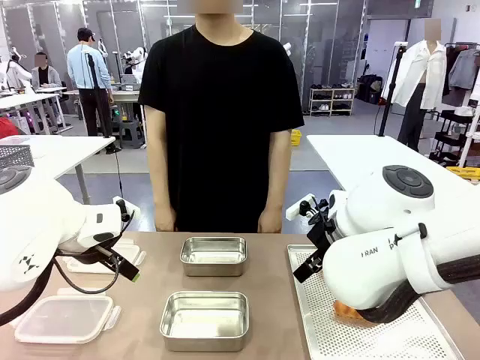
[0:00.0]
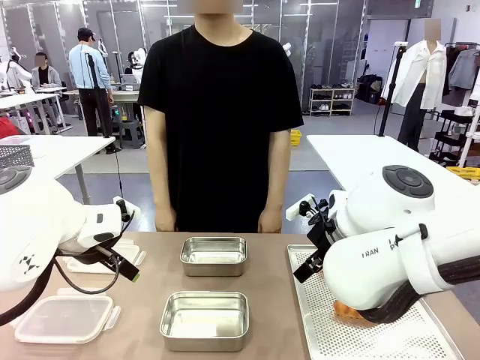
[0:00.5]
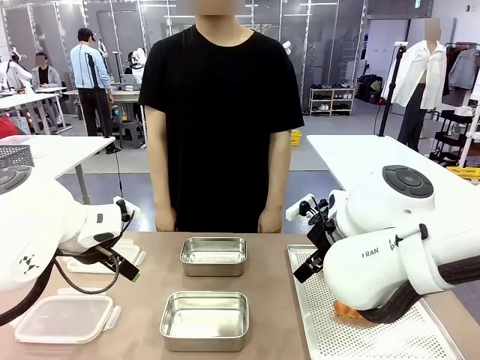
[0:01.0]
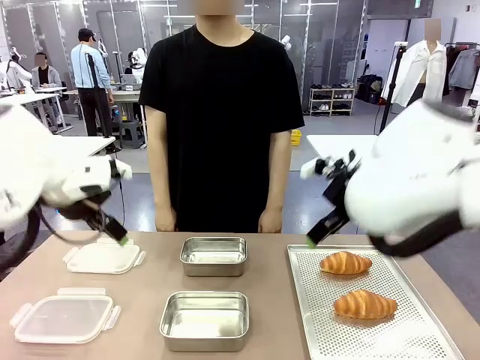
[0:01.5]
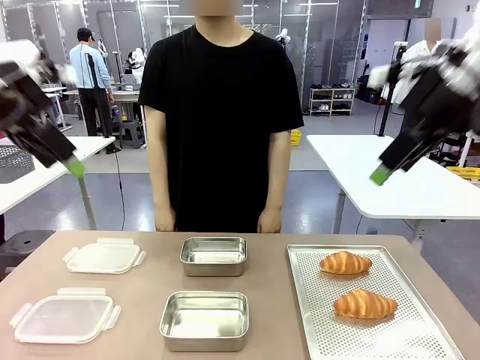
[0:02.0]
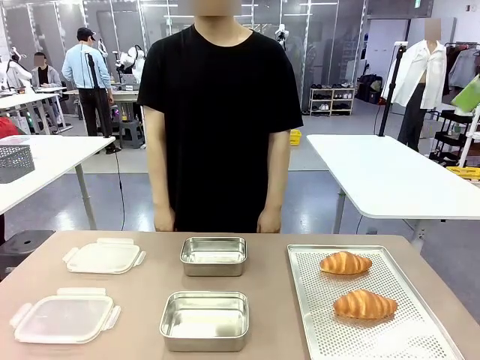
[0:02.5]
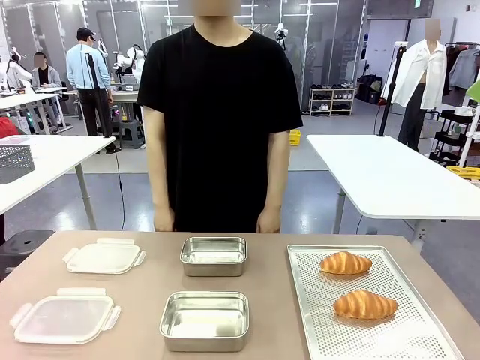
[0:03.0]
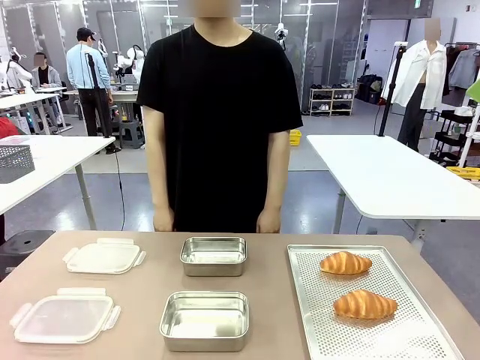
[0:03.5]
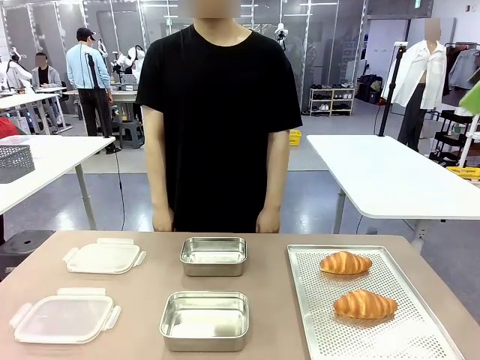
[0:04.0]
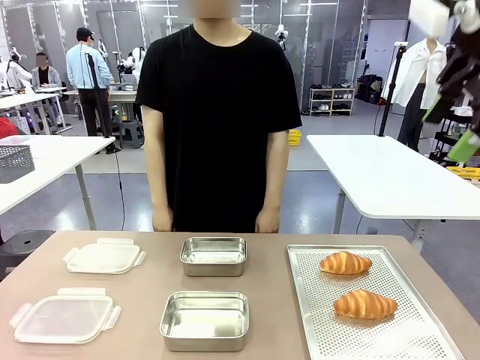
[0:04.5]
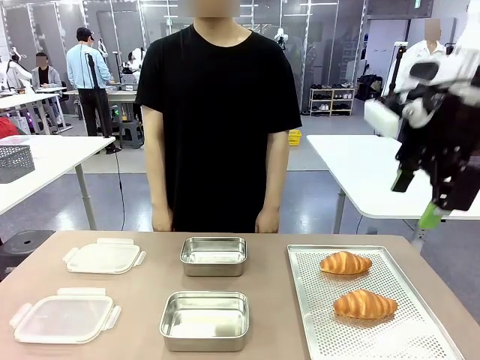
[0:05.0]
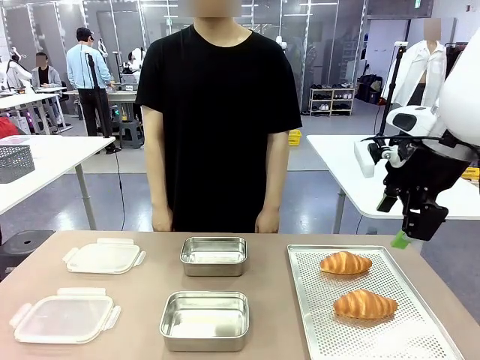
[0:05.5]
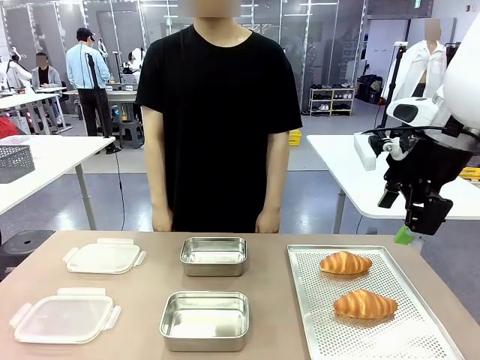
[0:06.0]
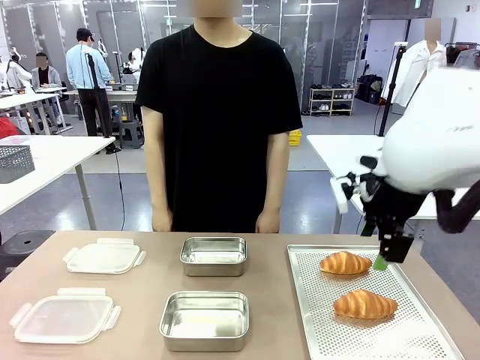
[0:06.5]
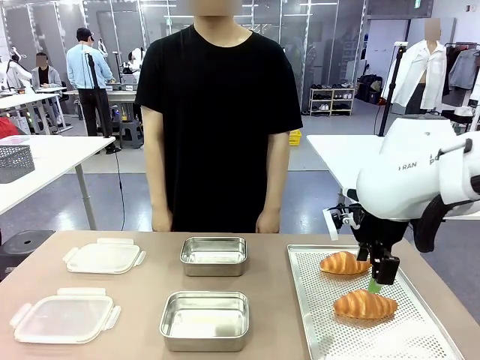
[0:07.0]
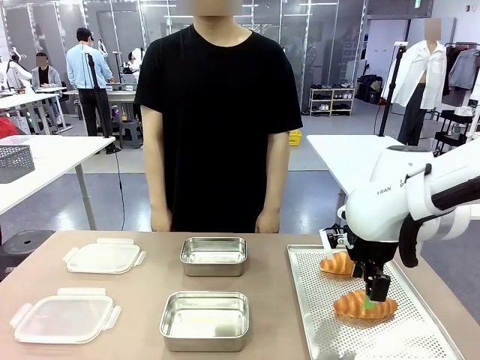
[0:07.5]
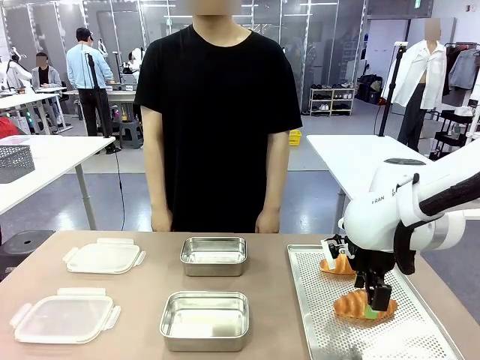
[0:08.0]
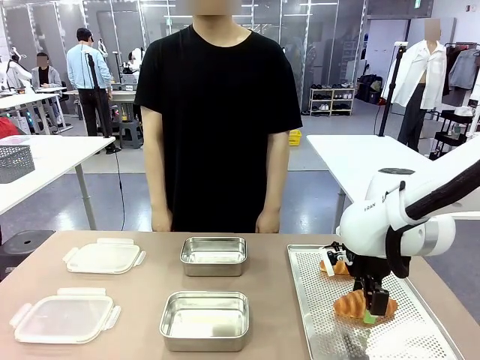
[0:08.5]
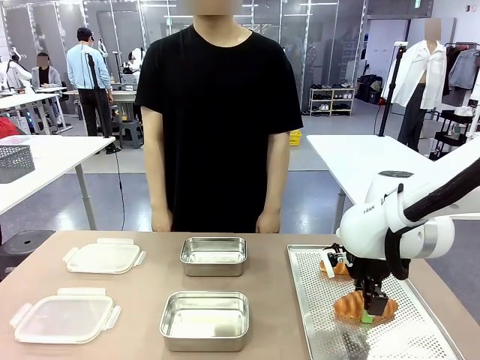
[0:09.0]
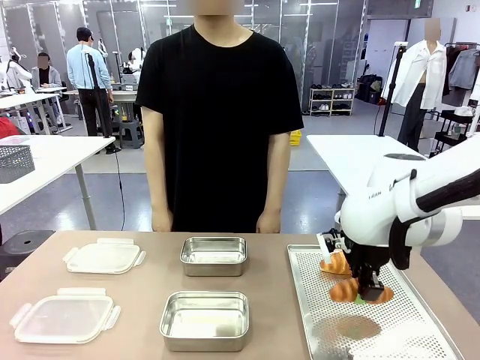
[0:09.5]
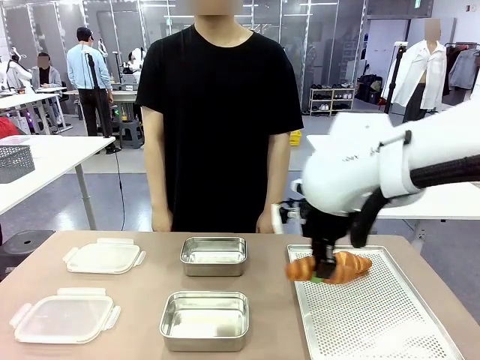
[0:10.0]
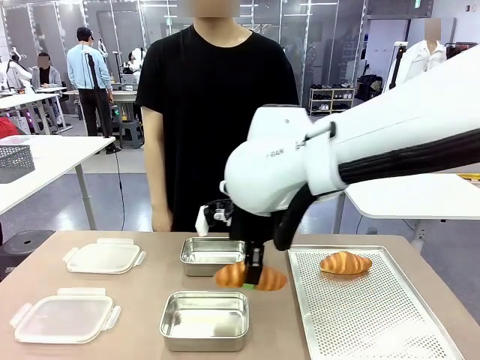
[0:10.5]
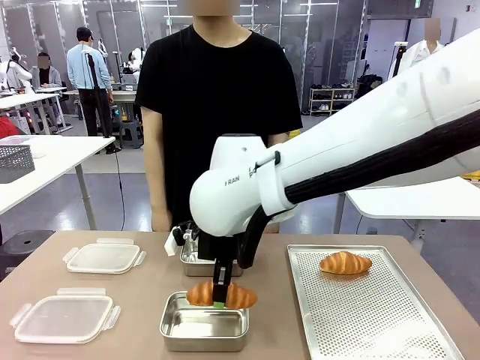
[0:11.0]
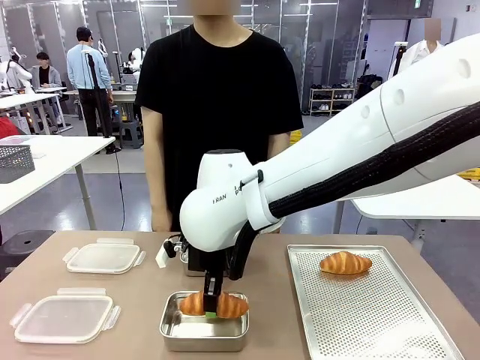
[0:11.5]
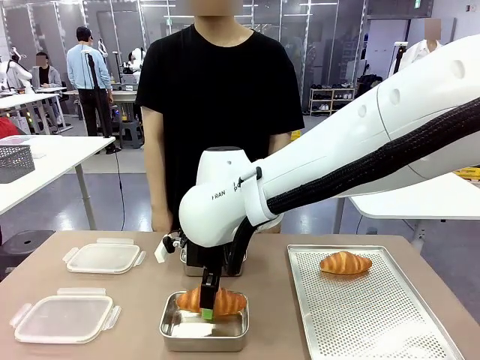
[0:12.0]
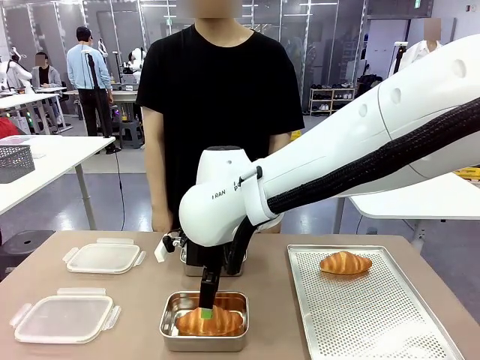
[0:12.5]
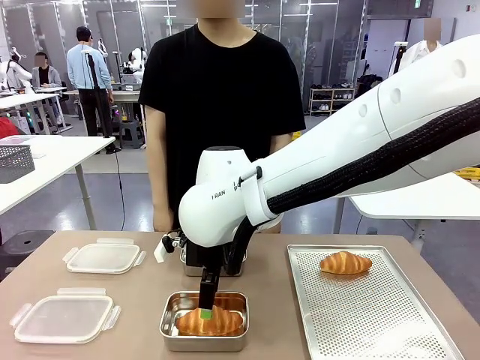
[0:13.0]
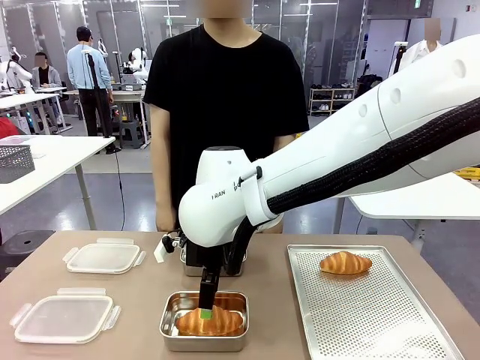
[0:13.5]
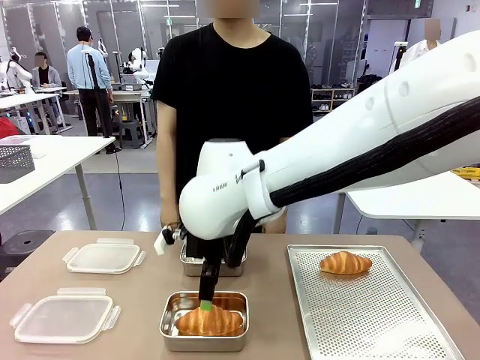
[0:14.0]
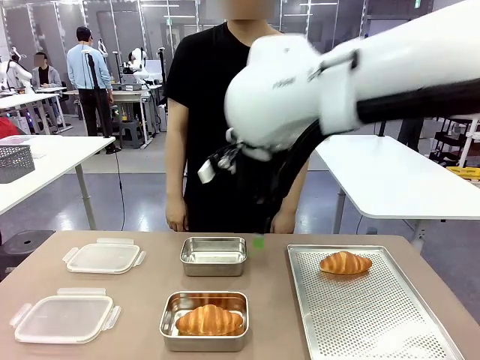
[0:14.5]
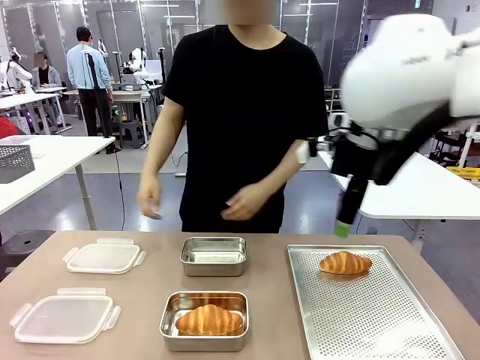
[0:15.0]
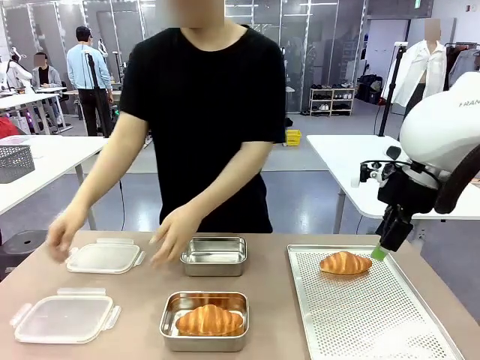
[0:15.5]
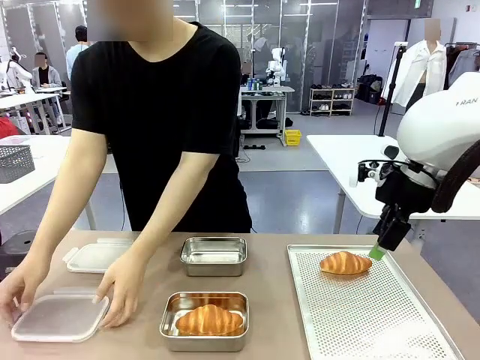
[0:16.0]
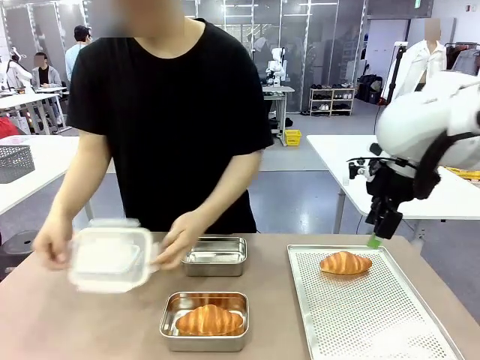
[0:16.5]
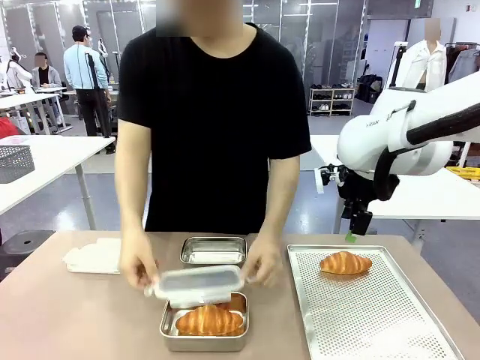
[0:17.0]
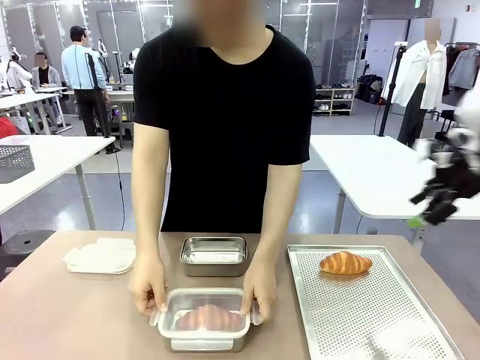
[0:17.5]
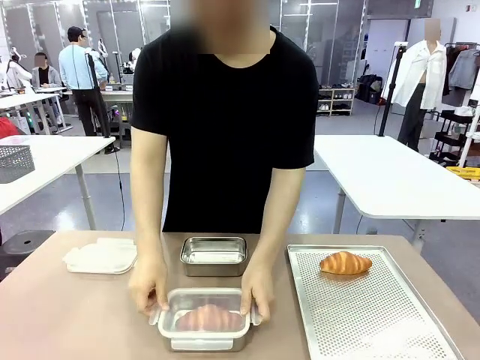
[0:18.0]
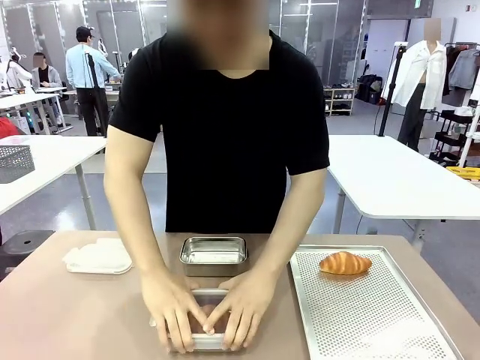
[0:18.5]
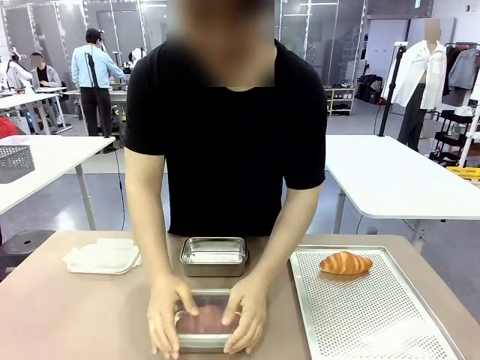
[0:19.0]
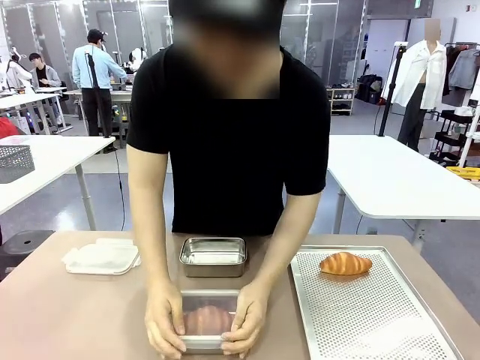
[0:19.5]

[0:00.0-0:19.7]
Task: Place the bread into the airtight container.
Robot: Pick up a Butter Roll and place it into an empty Airtight Container.

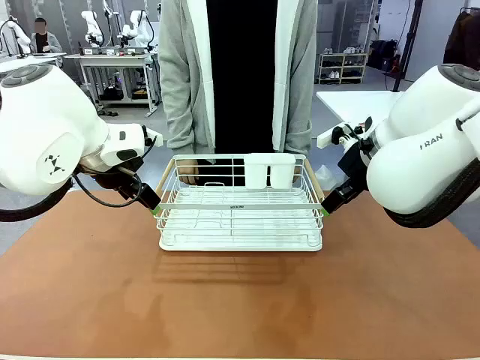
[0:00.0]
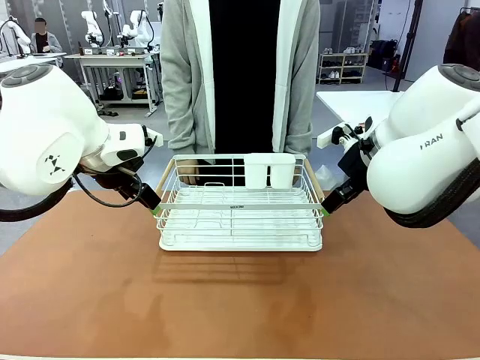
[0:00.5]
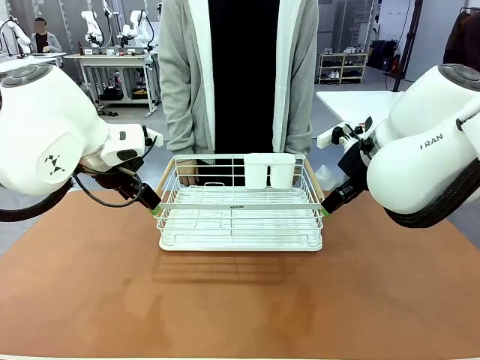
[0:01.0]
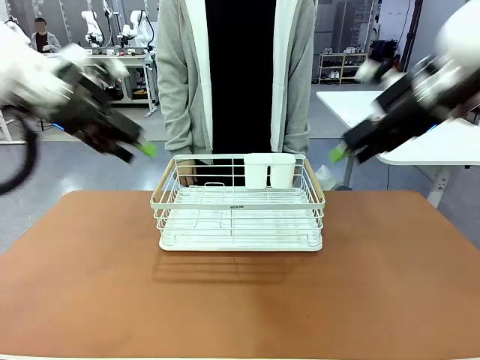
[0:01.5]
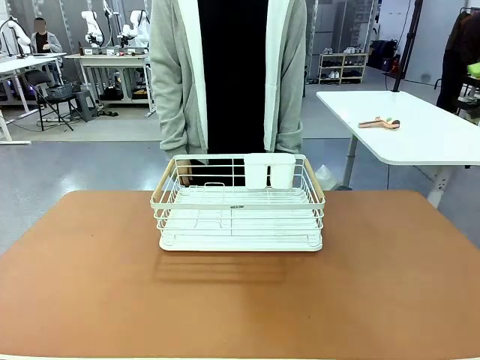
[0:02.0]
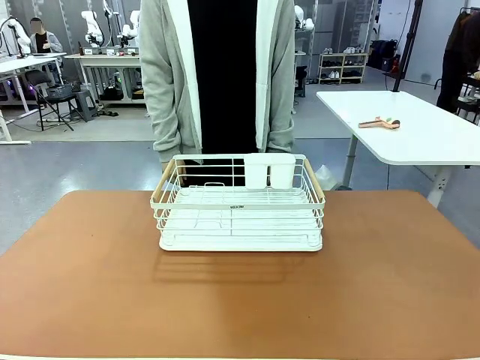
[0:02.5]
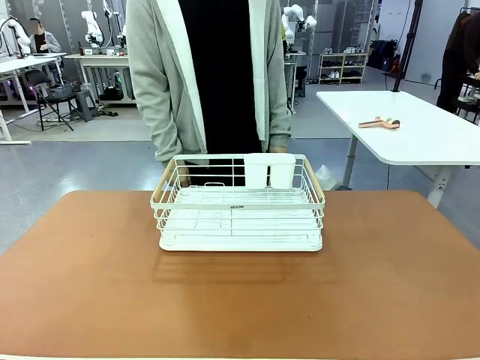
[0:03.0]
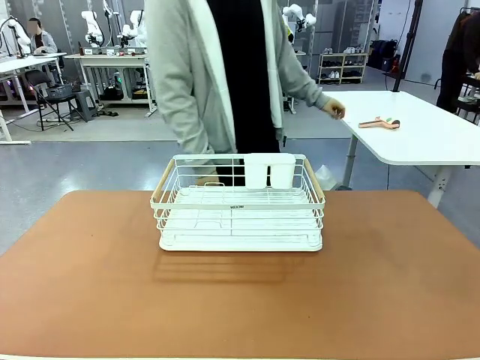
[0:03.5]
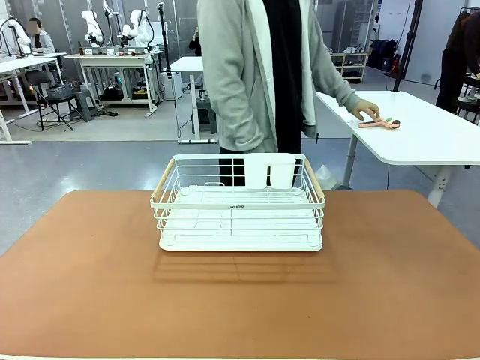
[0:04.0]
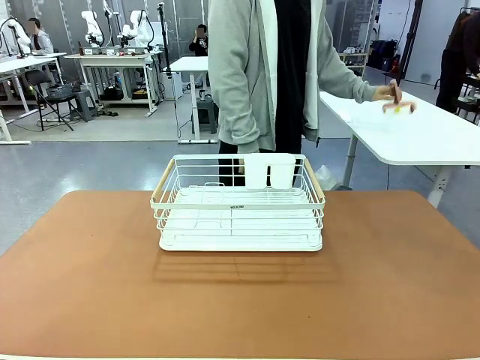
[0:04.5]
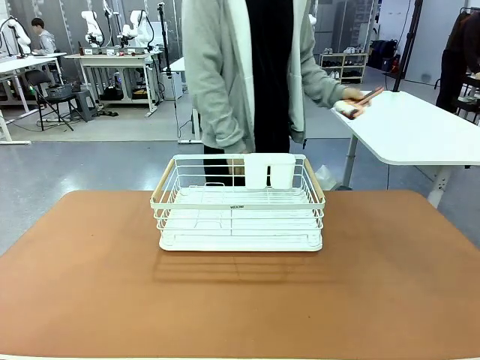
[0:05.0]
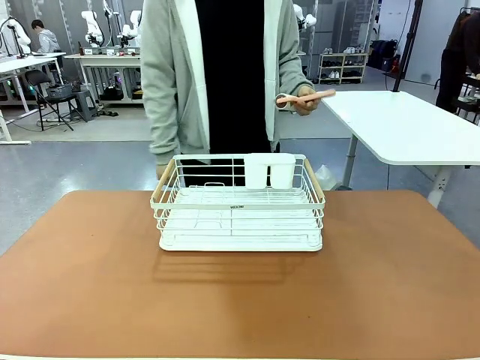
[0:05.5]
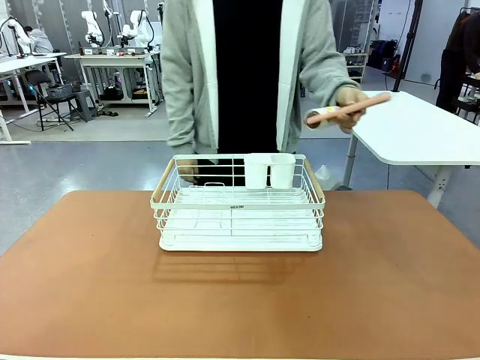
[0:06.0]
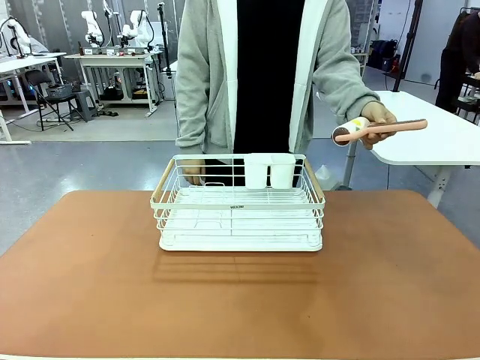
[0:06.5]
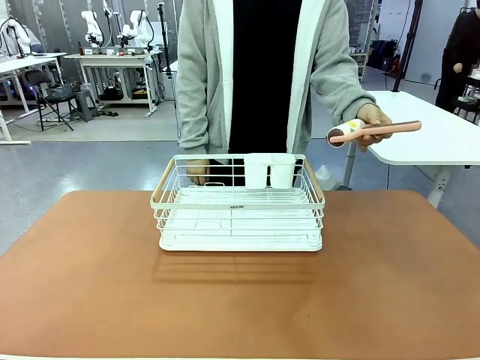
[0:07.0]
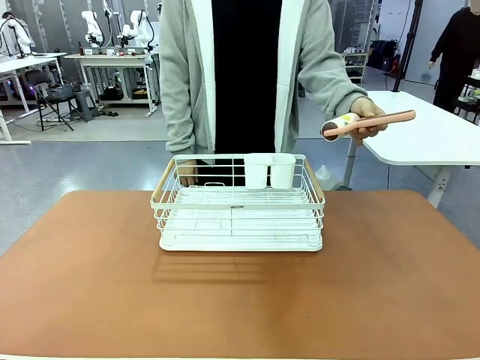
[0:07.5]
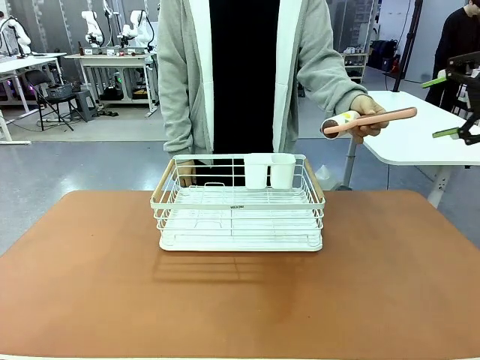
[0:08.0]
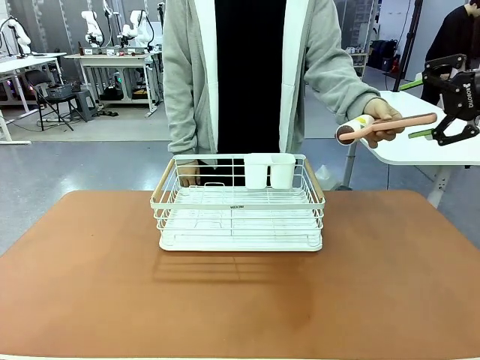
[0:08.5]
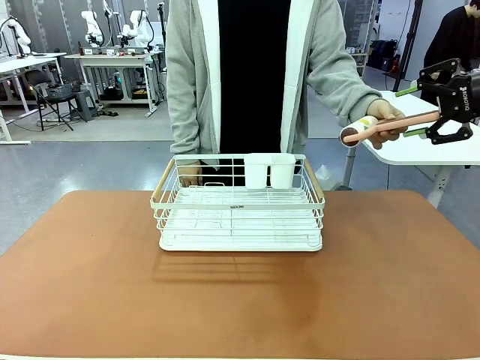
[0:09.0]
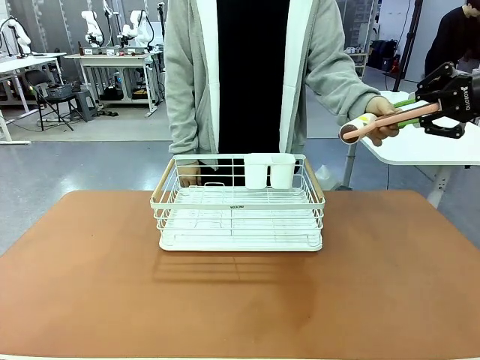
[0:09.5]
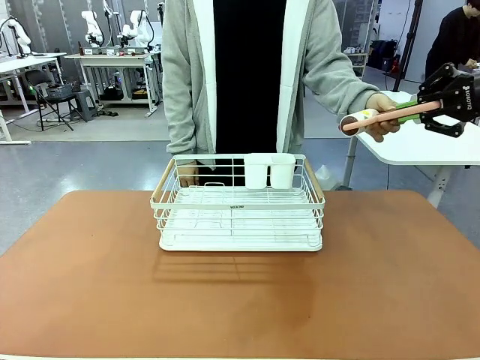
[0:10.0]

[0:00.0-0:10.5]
Task: Clean the table.
Robot: Pick up the Lint Roller when the human hands it over.
Person: Hand the Lint Roller to the robot so it can easily pick it up. Lift the Dish drying rack.
